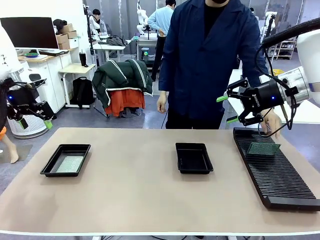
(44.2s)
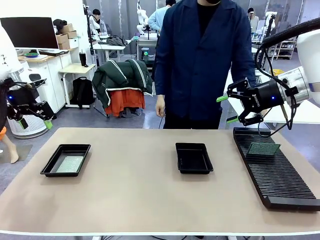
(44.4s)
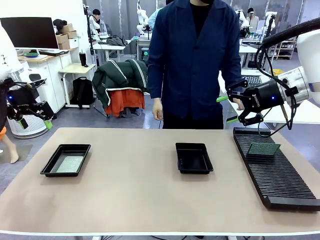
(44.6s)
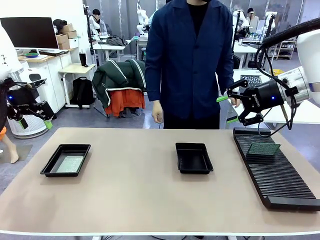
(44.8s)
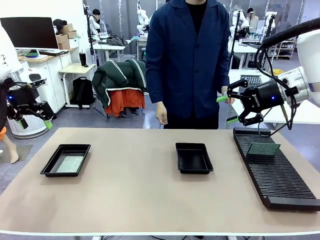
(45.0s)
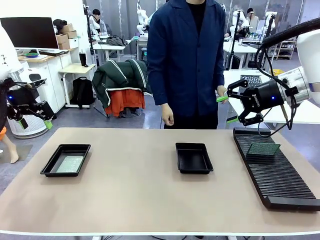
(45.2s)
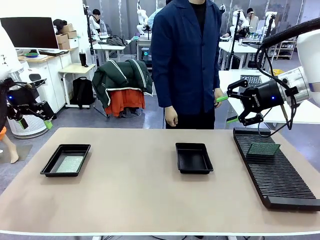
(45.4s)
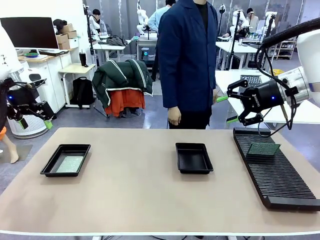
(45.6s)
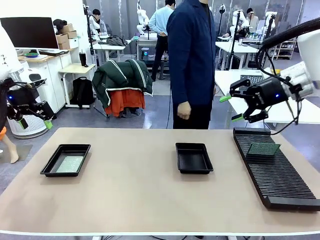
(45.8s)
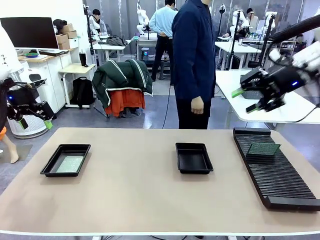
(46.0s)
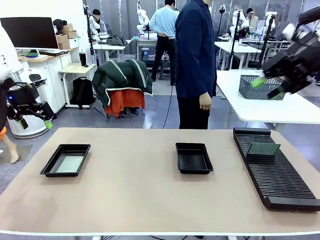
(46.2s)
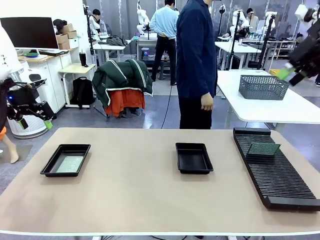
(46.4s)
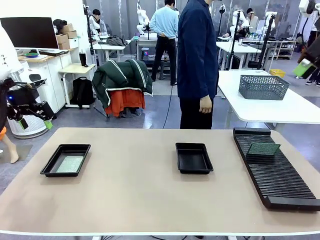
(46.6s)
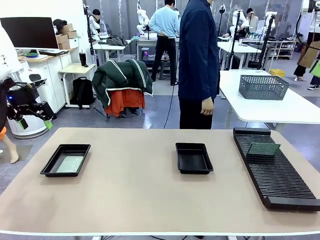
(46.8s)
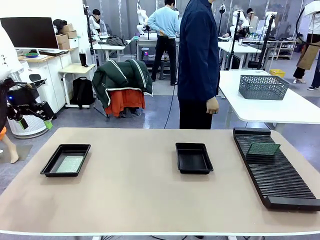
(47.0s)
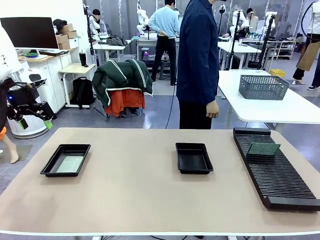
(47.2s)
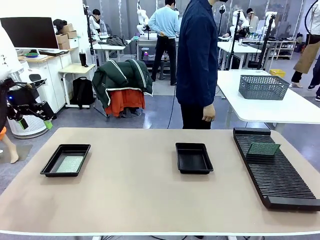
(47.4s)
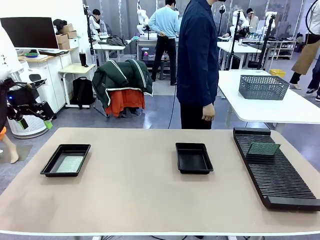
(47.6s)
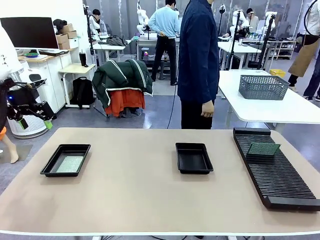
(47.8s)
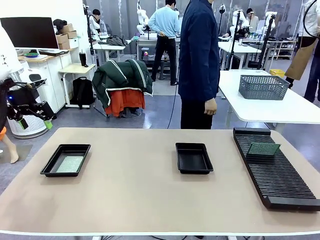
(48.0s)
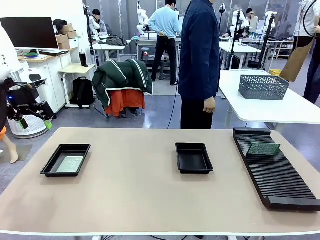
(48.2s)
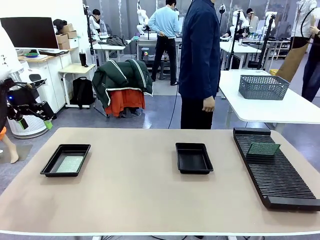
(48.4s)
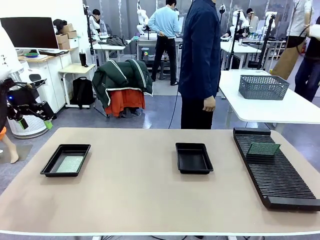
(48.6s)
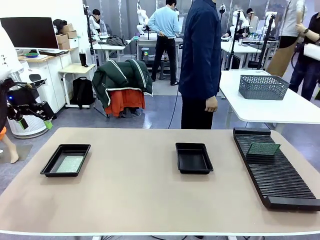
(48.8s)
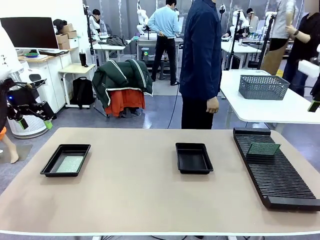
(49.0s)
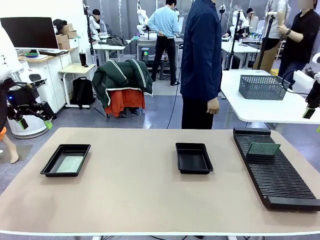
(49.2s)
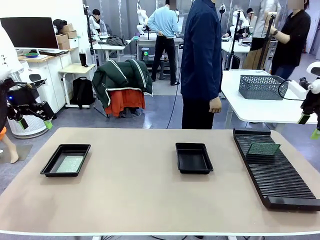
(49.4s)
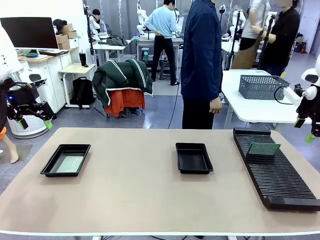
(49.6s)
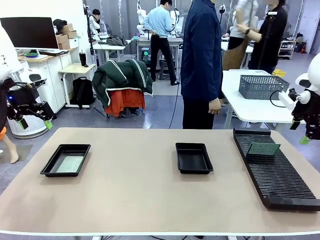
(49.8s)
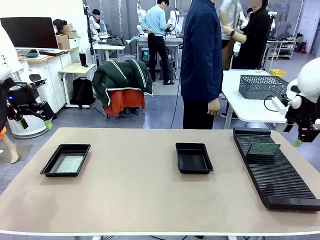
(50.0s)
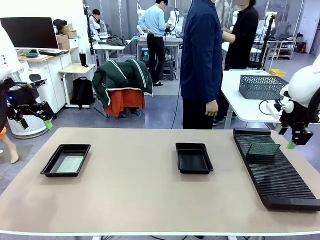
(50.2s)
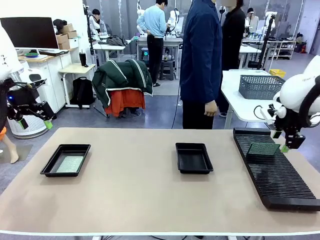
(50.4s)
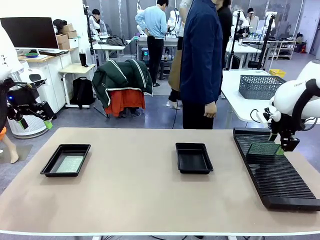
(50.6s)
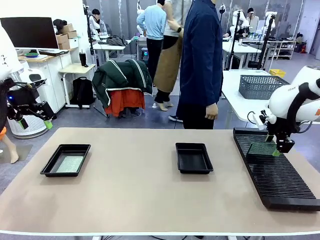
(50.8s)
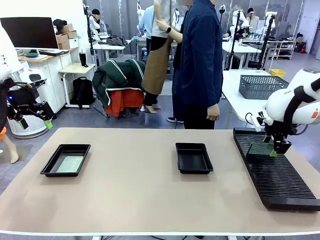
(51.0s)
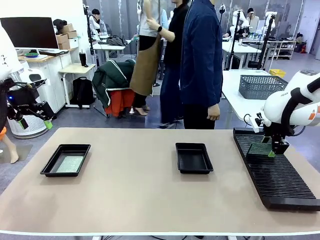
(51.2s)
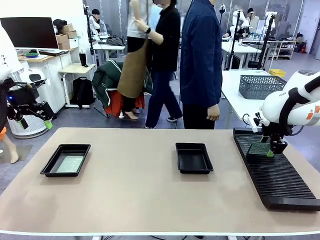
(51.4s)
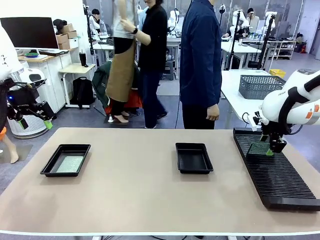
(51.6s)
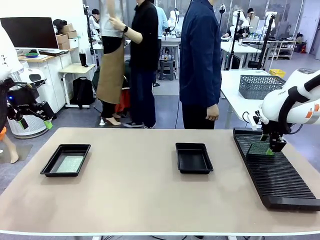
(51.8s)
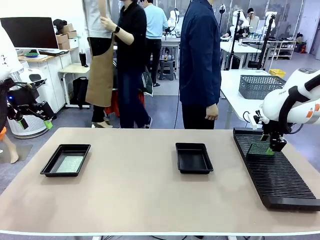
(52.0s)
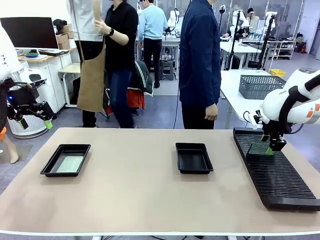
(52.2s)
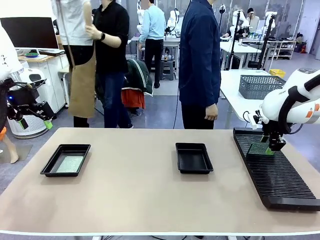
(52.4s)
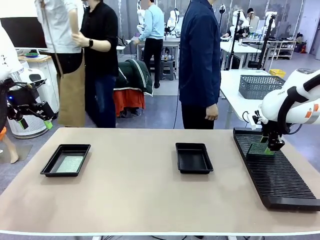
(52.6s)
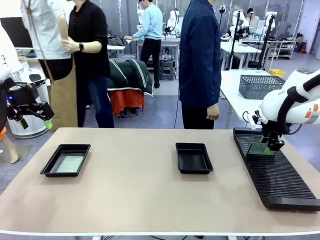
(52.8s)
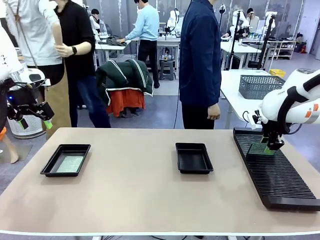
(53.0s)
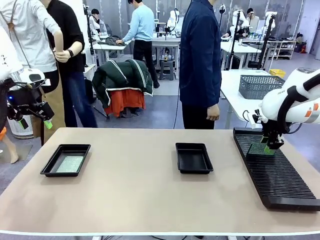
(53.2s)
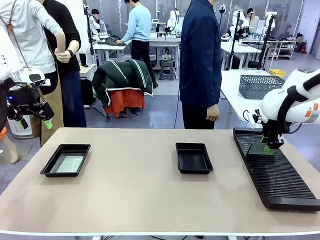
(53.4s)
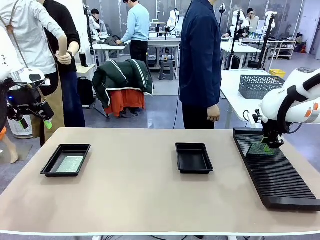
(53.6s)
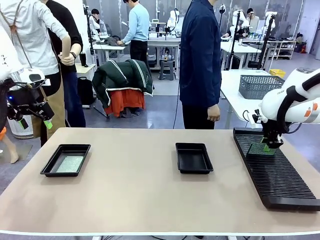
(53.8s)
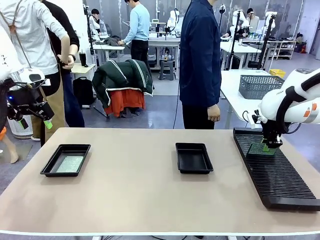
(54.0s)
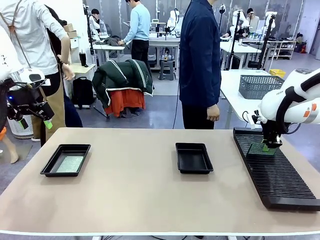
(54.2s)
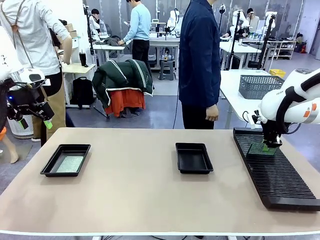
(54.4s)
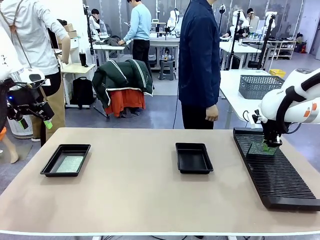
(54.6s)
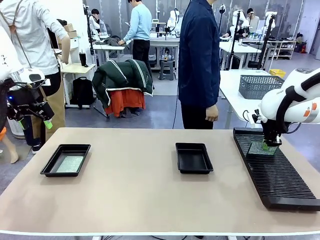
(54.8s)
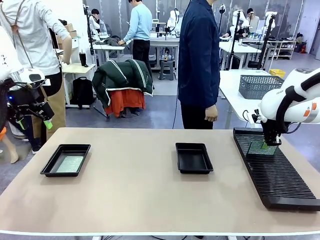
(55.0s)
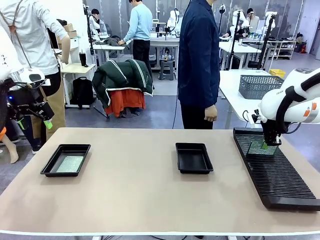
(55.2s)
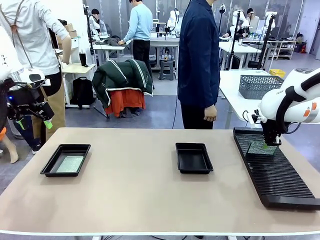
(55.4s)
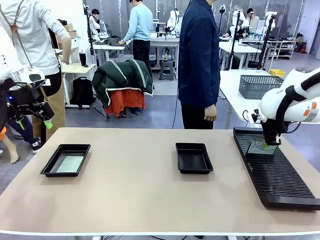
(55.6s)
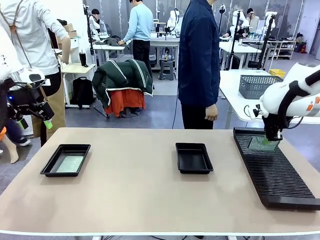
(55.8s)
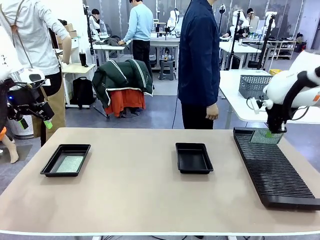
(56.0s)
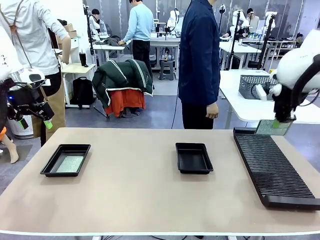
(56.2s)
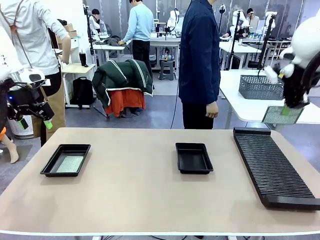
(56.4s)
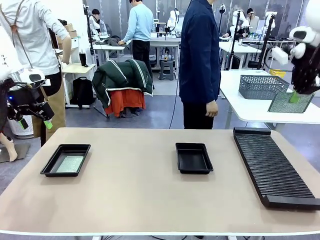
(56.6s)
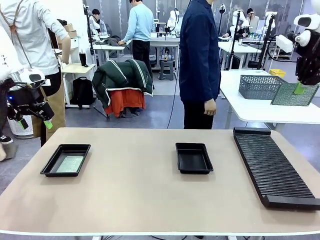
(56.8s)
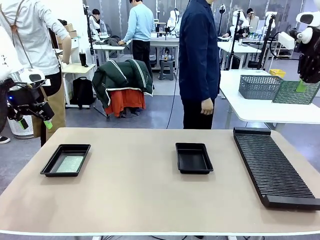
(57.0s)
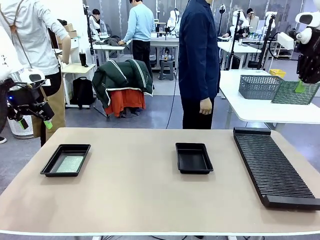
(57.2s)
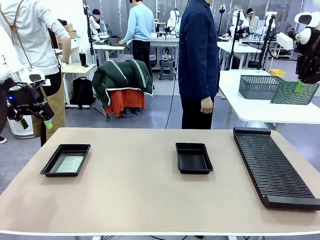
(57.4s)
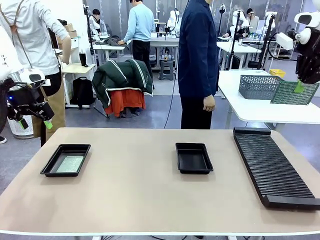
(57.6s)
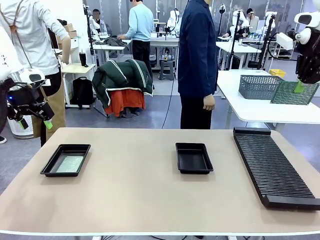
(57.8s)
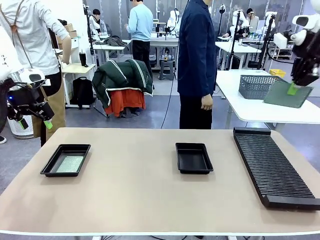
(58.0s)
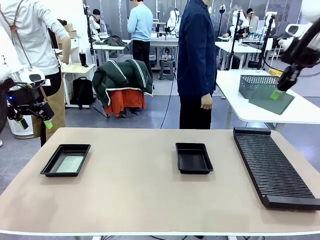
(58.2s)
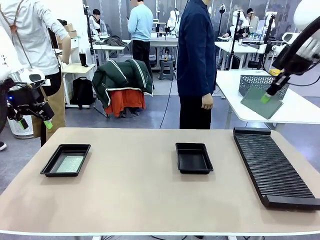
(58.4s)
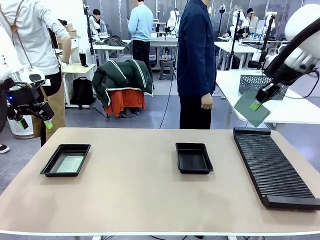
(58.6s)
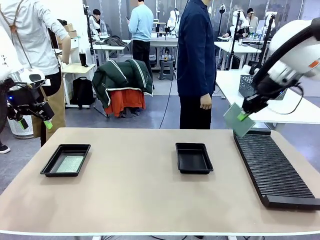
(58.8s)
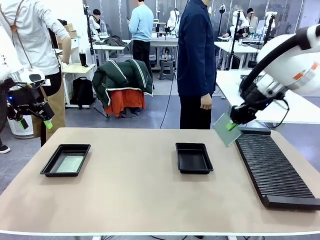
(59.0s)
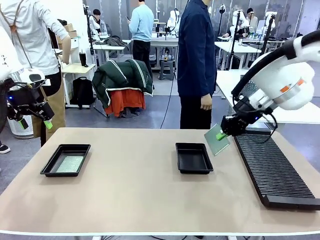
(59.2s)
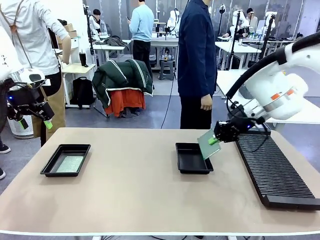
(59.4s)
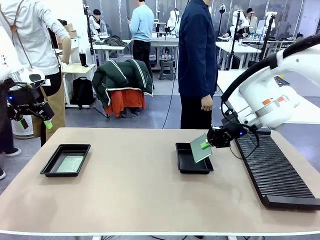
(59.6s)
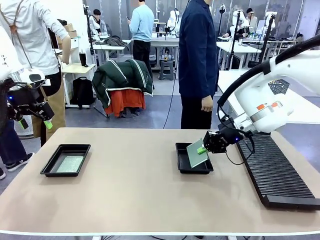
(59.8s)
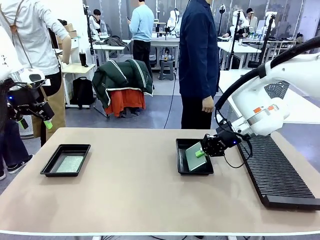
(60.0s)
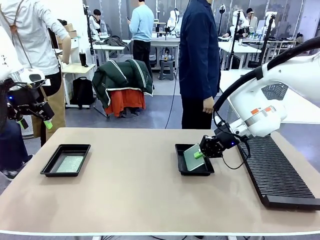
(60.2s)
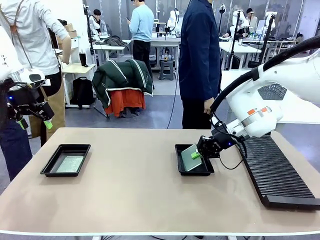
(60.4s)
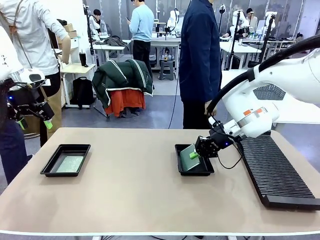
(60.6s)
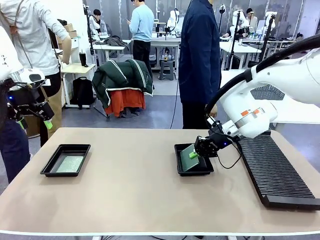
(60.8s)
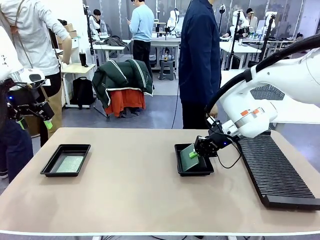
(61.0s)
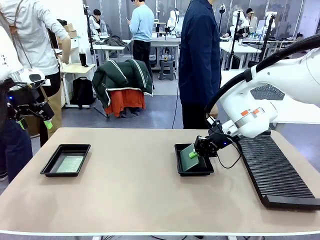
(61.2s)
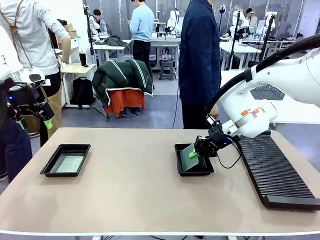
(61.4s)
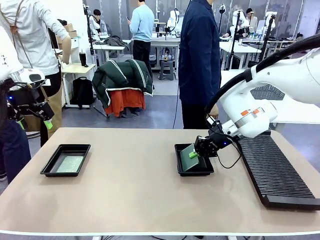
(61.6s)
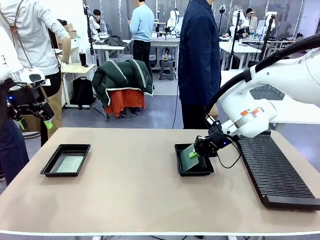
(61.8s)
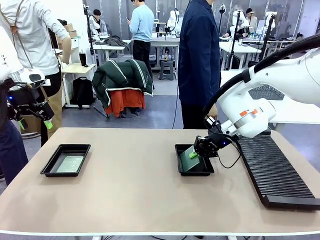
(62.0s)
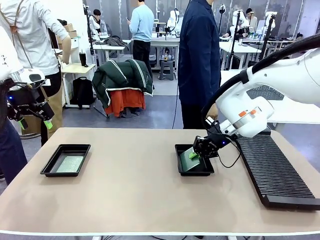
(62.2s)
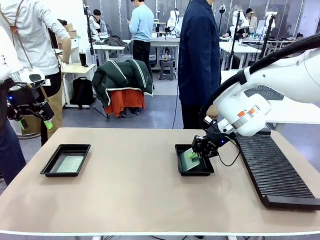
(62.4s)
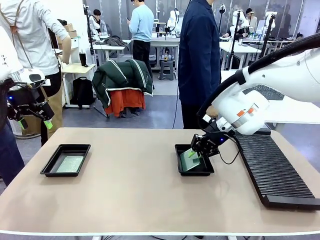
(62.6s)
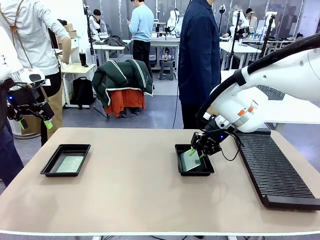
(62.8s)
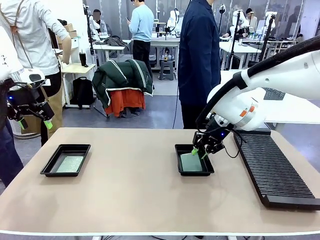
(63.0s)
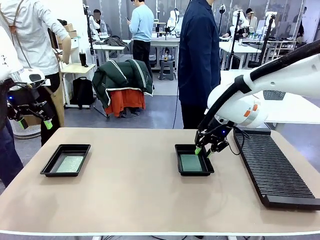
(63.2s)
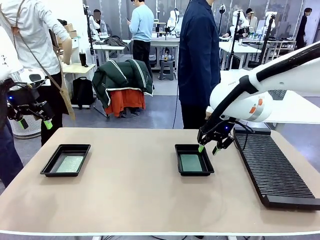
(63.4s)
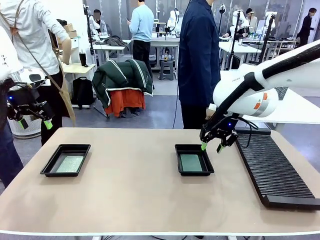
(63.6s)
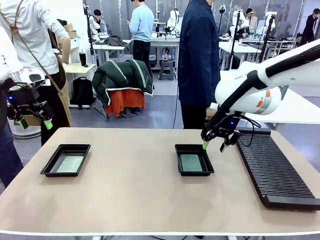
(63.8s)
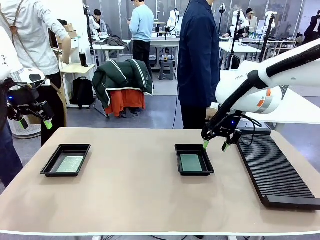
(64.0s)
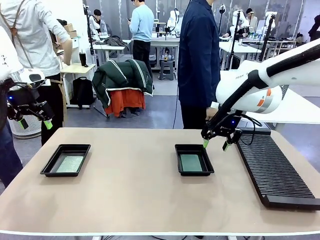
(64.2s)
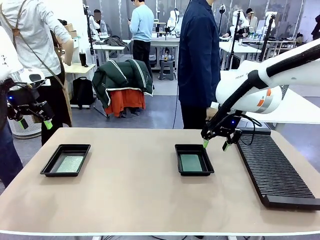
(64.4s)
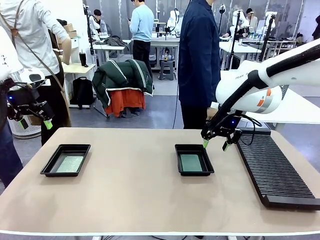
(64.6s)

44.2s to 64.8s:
Task: Inspect and transfer BCBs to ESD trays.
Robot: Pick up the Blank PCB from the PCB Rack and place it in the right ESD tray.
